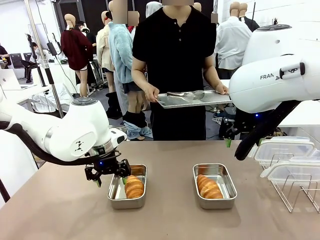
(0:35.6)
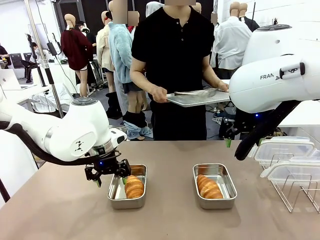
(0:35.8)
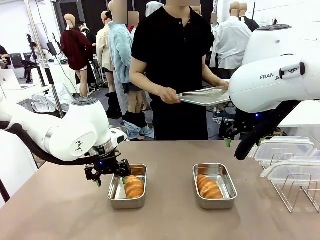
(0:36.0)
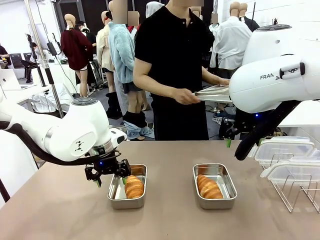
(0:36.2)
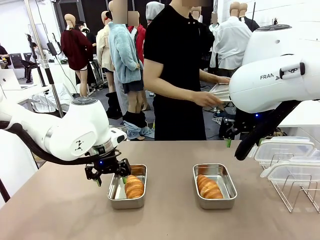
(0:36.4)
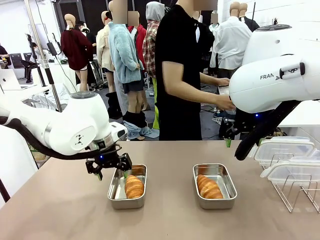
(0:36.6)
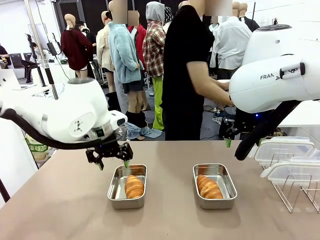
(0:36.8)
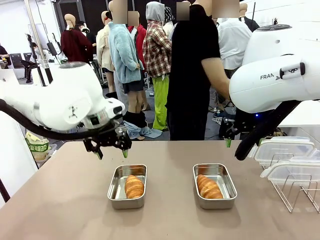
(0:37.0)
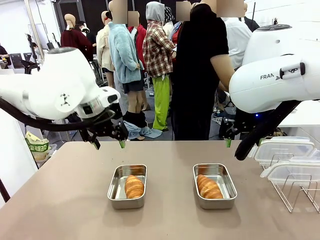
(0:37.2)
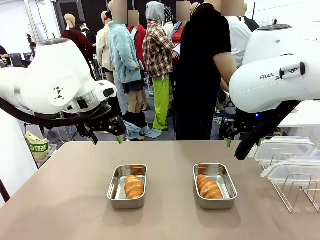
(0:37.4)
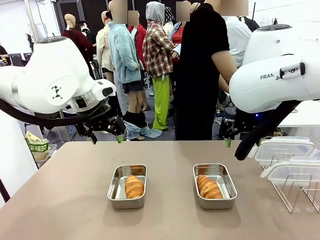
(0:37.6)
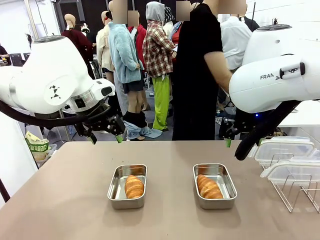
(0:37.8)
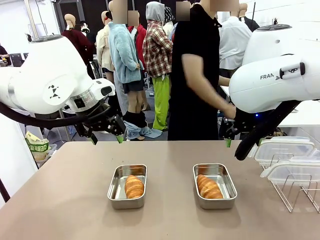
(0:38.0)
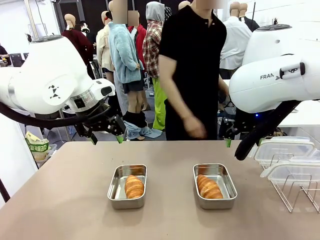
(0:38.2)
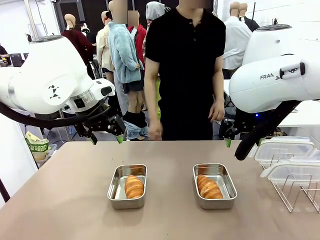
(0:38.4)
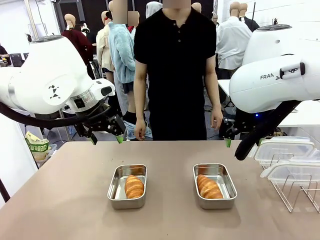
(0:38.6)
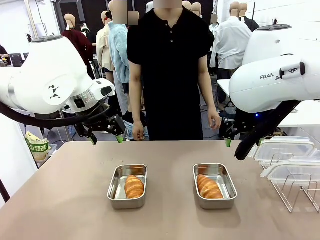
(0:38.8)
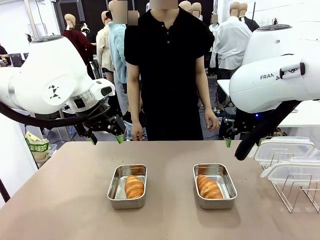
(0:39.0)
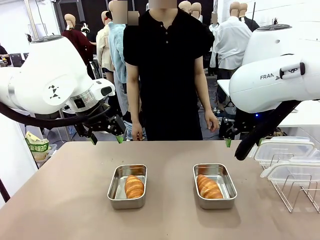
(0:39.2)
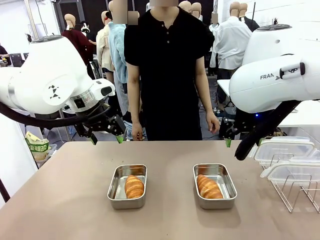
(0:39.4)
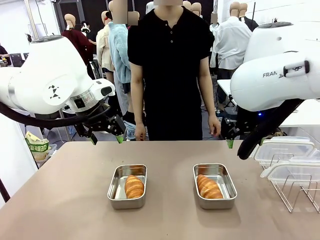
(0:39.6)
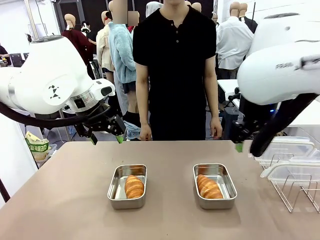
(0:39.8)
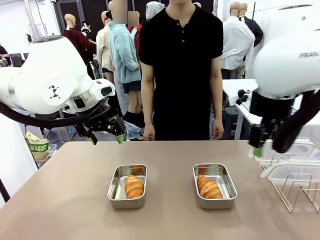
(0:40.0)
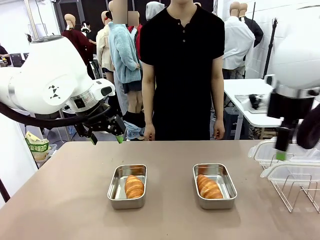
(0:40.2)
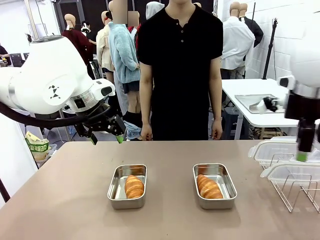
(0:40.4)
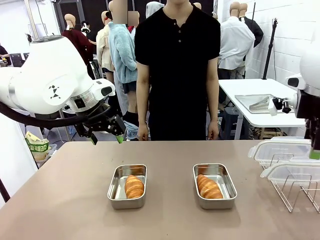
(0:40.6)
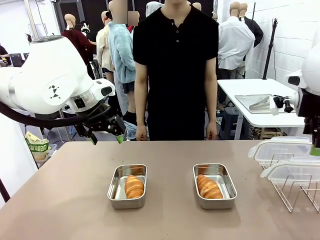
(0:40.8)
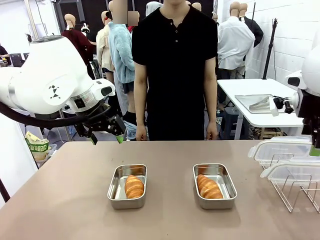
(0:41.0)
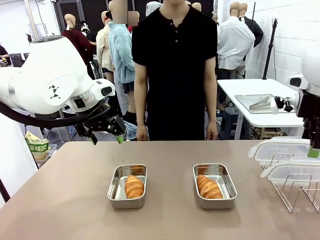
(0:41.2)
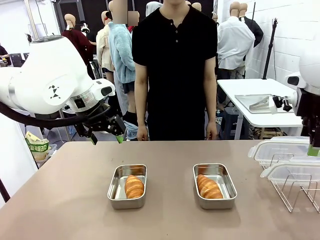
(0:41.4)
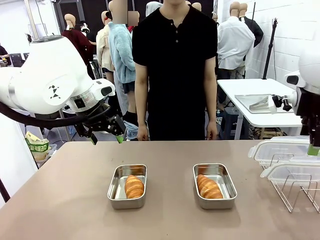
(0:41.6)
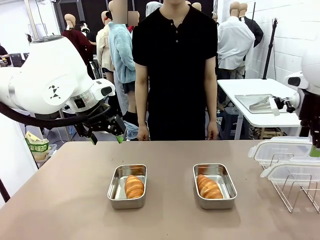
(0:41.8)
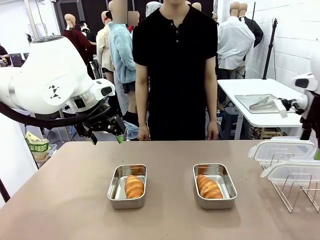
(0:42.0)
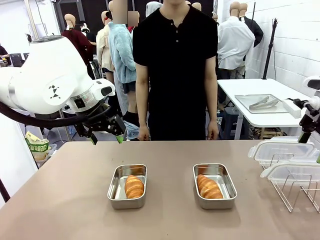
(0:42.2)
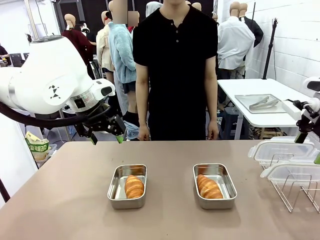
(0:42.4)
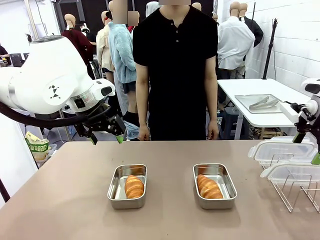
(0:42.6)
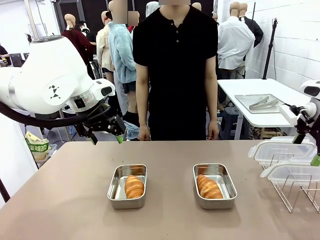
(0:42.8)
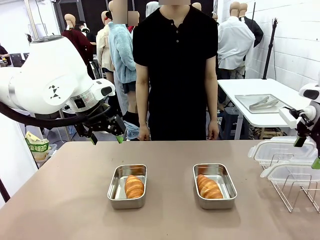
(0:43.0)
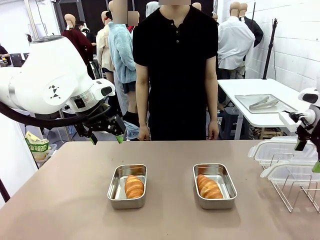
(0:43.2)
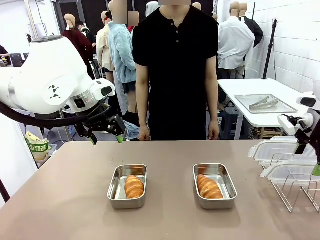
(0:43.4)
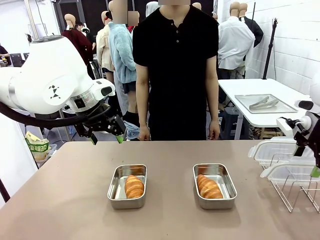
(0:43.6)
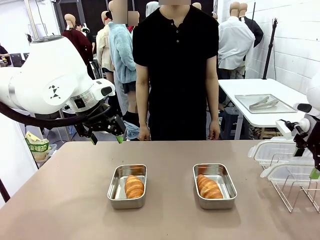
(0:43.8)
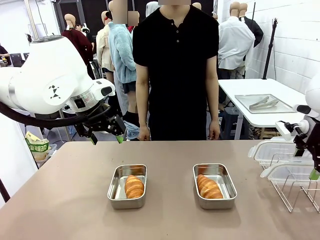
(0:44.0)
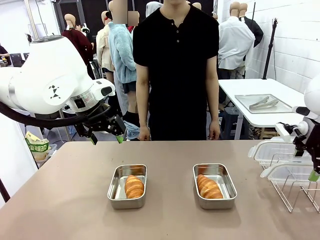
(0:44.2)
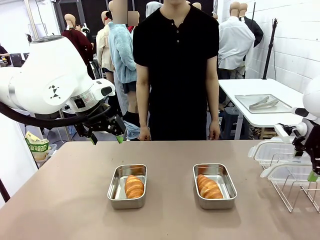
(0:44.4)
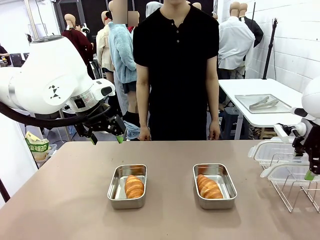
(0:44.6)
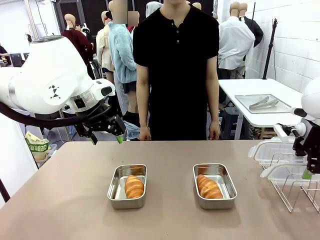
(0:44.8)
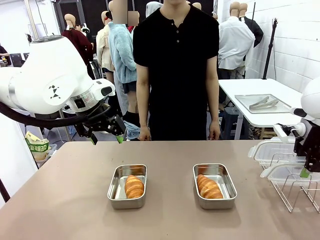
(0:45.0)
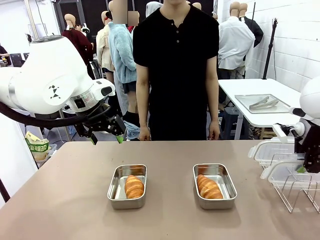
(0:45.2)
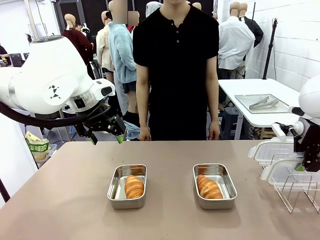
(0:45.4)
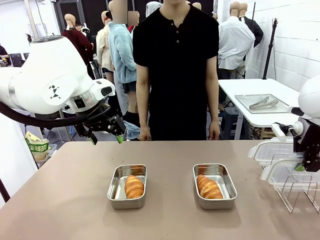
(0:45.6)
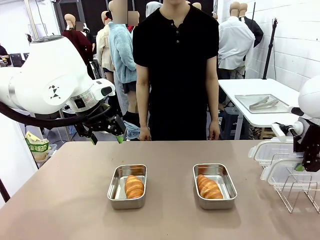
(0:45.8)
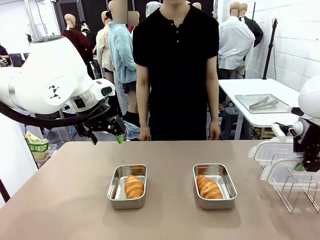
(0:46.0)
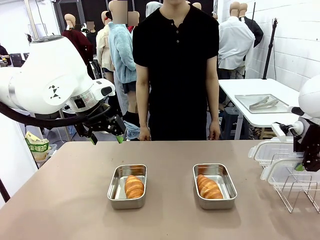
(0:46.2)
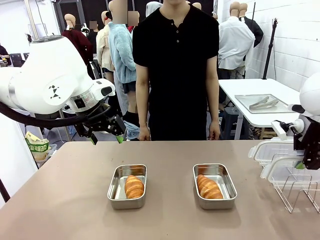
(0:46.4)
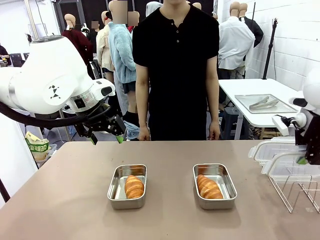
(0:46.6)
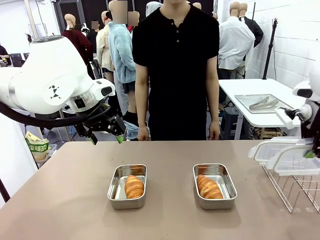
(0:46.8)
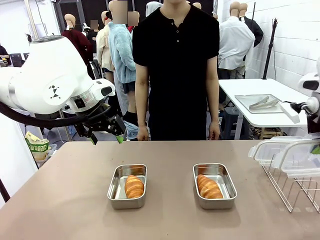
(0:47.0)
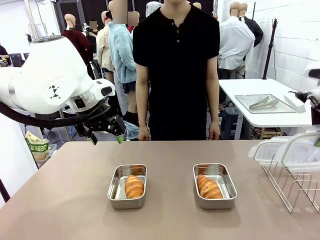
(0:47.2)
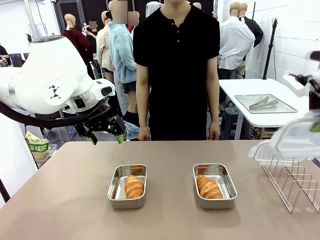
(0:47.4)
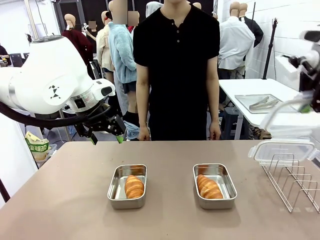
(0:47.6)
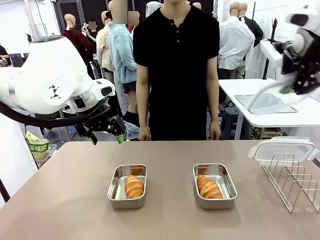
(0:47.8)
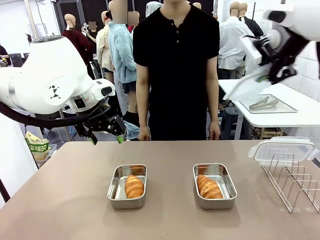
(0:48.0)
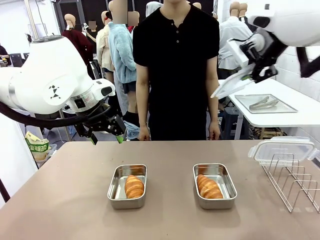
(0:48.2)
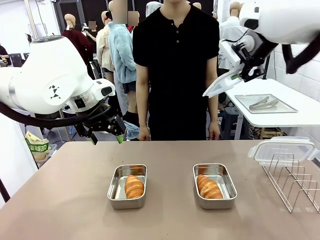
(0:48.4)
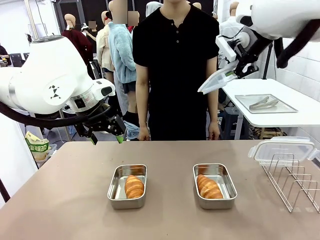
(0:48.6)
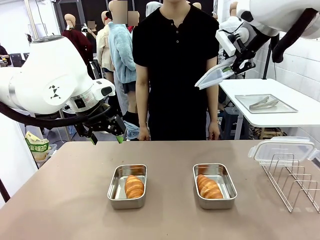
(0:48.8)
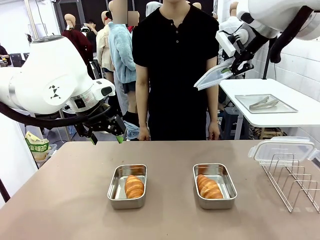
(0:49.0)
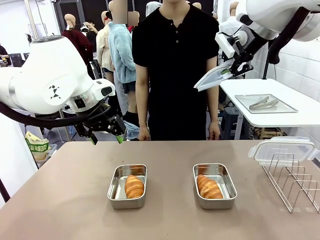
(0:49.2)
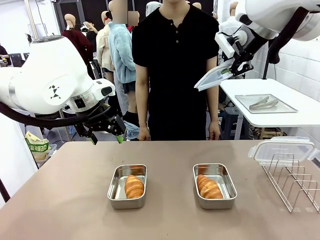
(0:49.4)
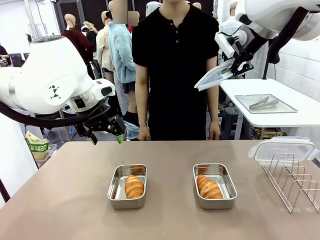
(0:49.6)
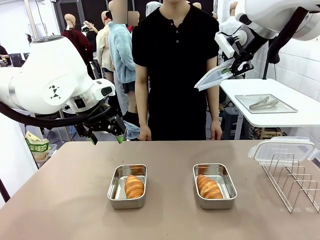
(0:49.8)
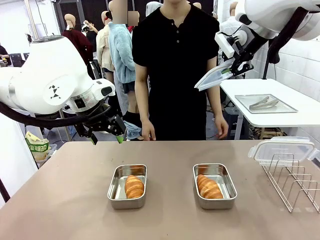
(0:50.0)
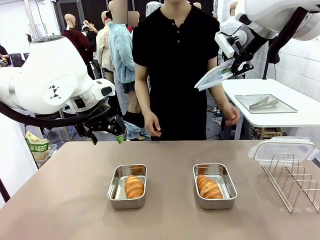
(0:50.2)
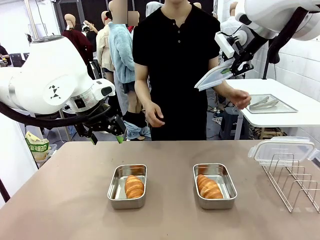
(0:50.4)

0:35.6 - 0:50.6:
Task: Place the bread in airtight containers.
Robot: Pick up one Airtight Container lid and hand it to the human.
Person: Grip Airtight Container lid that robot is handing.

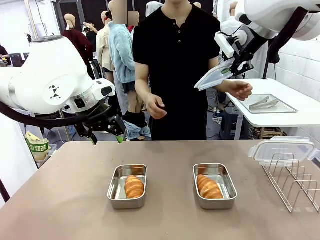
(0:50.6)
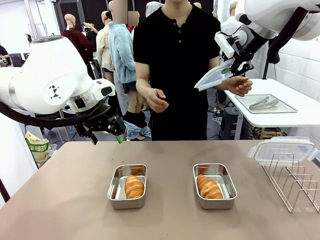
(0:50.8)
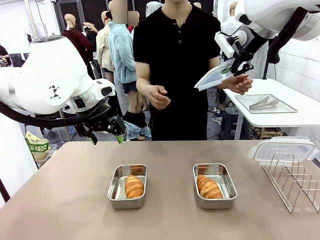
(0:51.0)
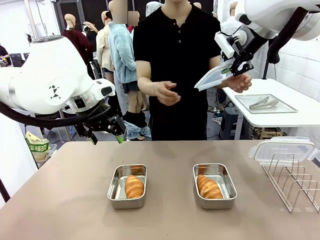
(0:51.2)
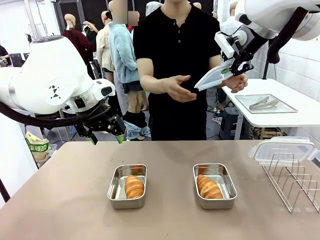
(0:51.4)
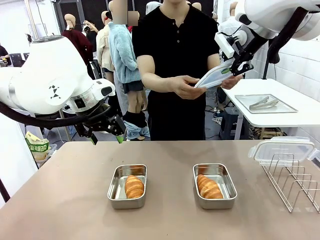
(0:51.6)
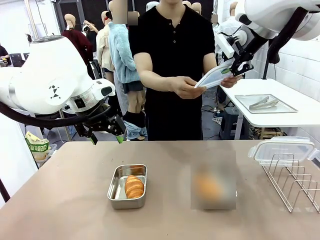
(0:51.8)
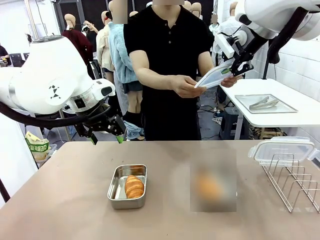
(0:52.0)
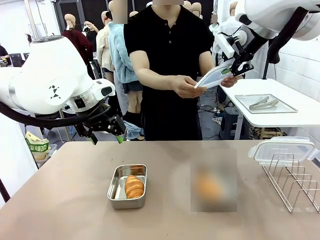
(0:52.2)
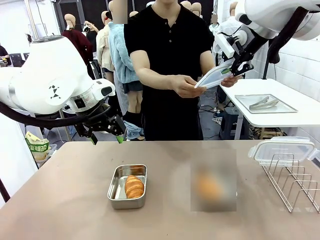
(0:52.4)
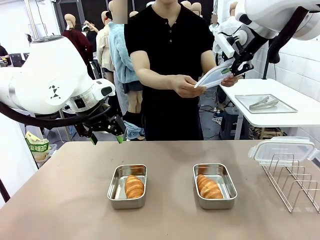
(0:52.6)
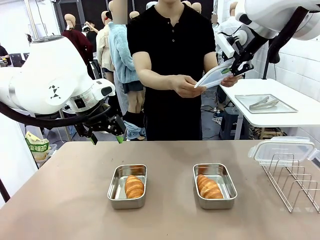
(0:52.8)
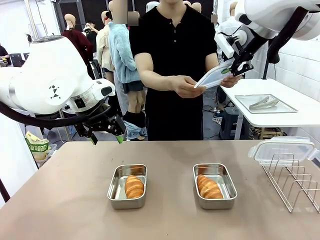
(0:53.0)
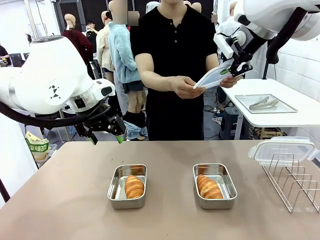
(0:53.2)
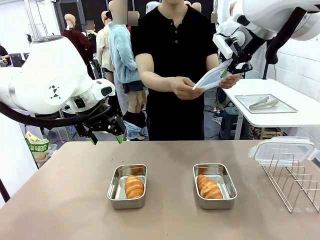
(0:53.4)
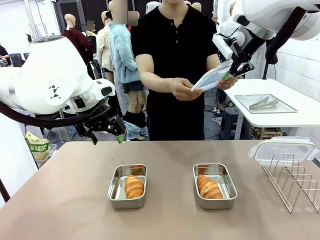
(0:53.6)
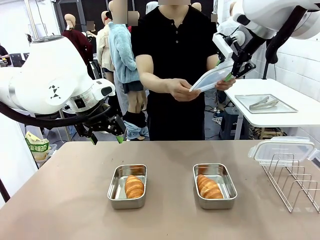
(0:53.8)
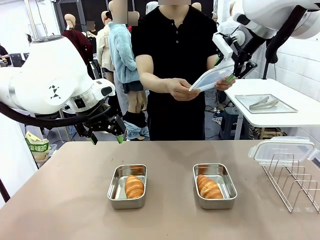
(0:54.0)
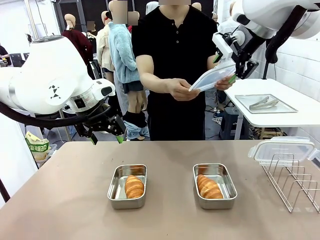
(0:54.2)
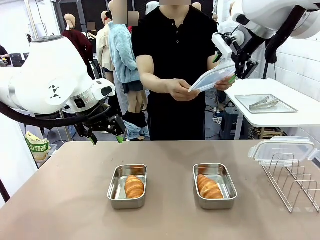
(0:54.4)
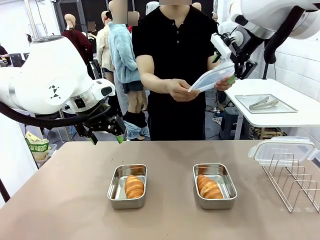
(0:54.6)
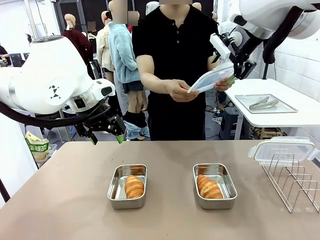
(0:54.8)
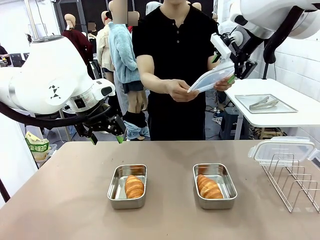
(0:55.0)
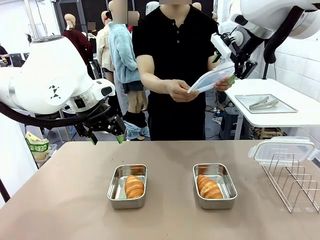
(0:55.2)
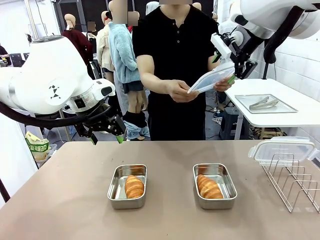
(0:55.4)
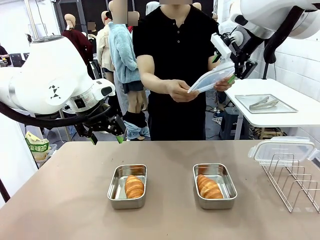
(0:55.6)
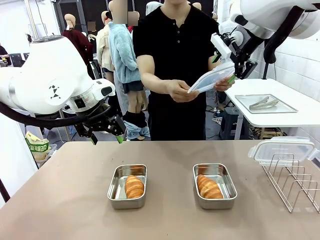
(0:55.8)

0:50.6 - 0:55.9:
Robot: Release when the human grabs the Airtight Container lid.
